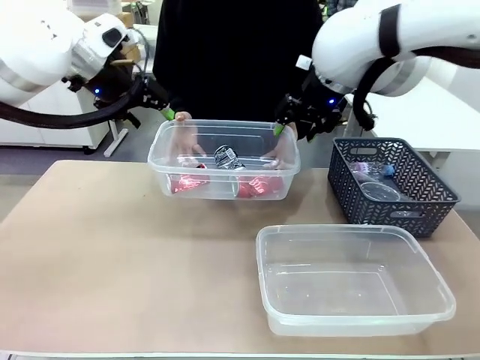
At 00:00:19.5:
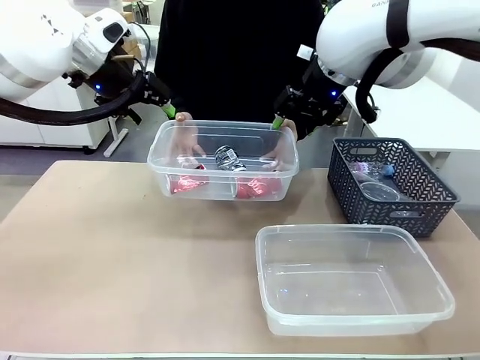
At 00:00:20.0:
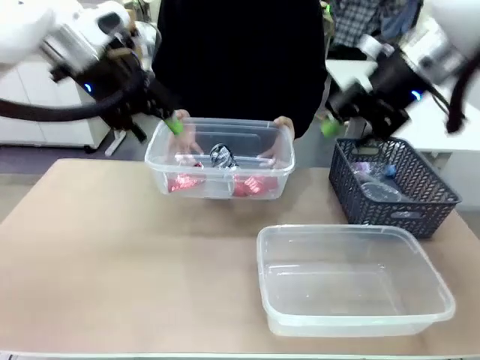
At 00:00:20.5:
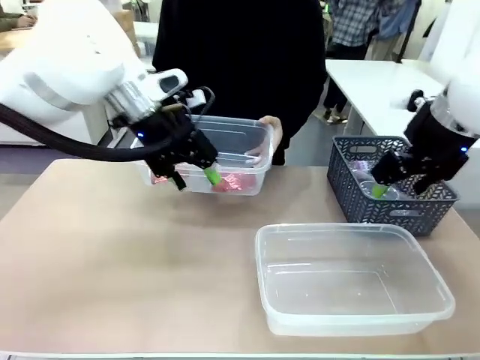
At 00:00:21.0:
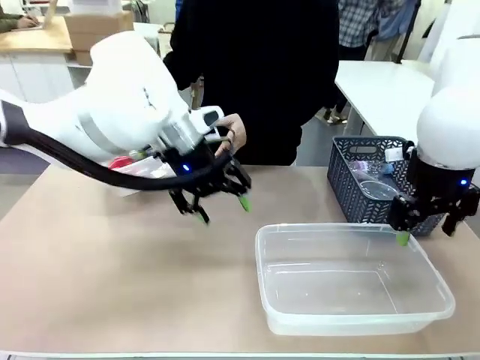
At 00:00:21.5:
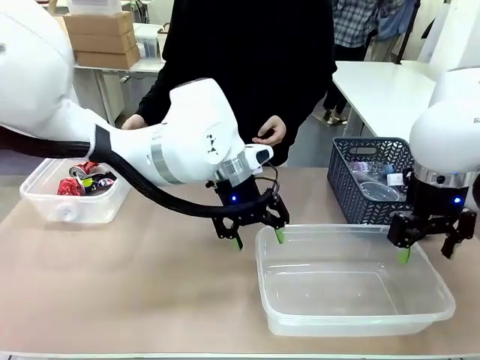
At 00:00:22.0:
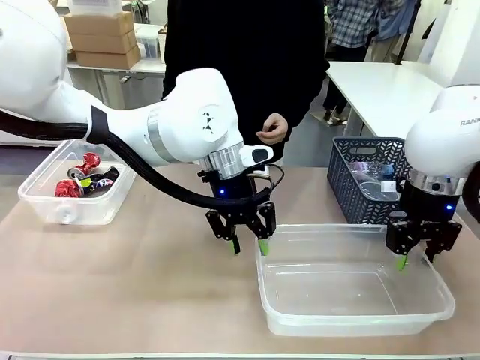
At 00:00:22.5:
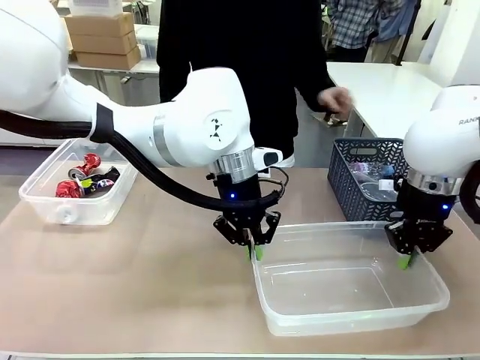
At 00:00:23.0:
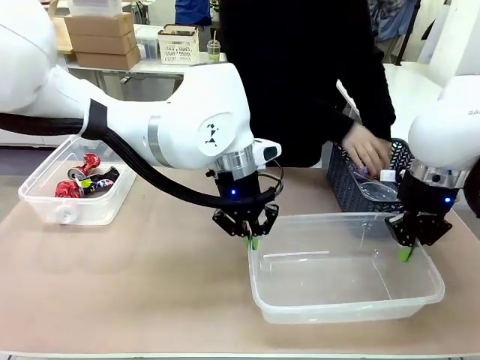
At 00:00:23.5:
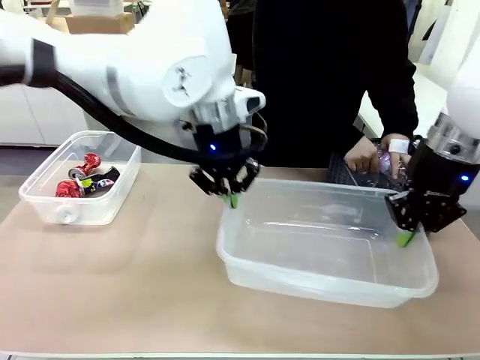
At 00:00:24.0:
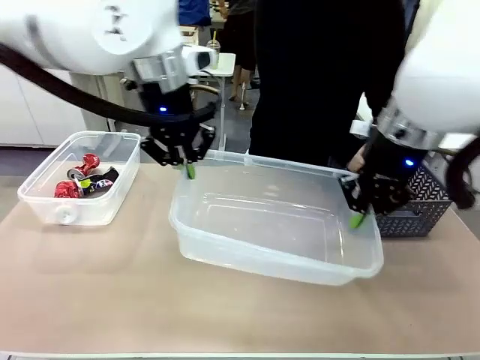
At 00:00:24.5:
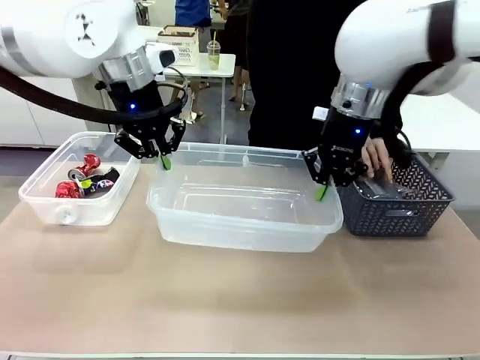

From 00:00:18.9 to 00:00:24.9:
Robot: Pick up the Organizing box on the right side of the table and lift it.
Person: Place it at the edge of the bottom right area of the robot table.

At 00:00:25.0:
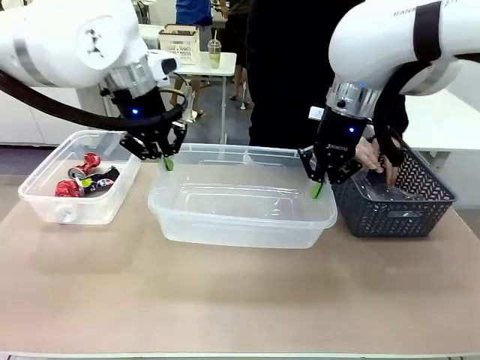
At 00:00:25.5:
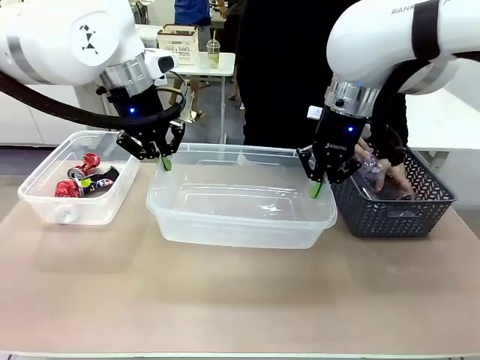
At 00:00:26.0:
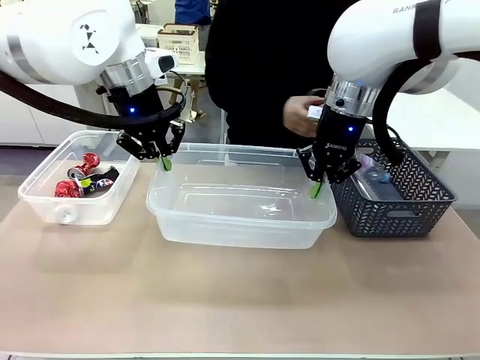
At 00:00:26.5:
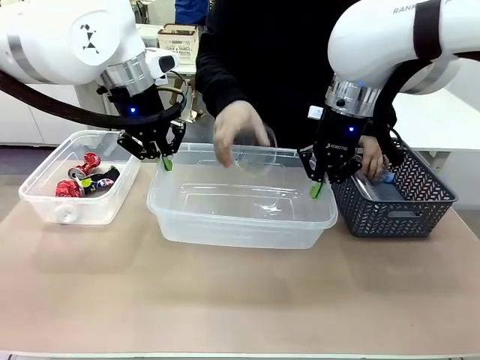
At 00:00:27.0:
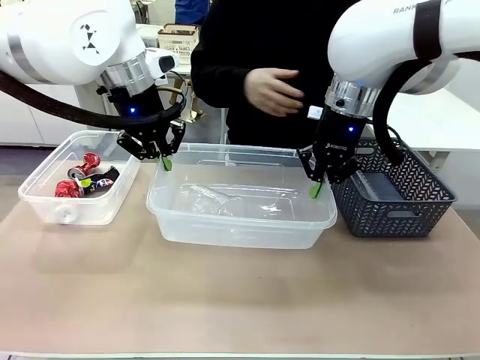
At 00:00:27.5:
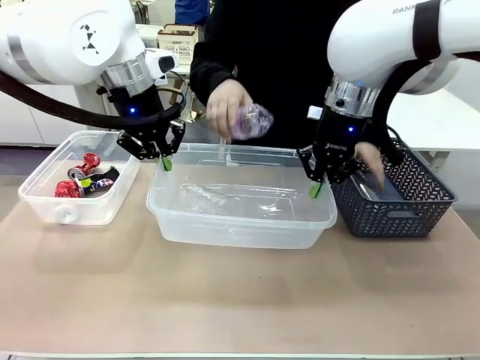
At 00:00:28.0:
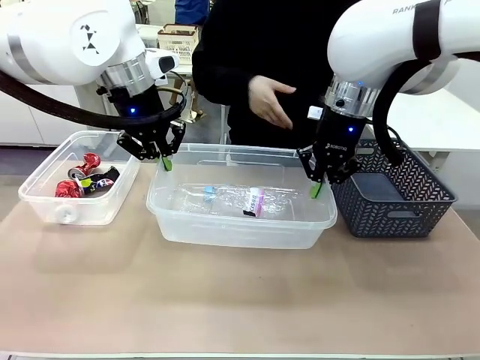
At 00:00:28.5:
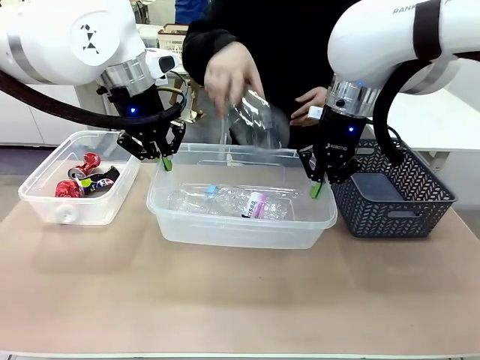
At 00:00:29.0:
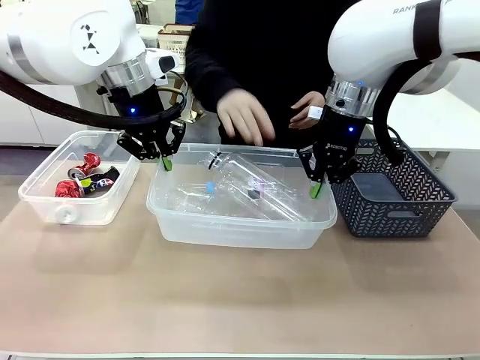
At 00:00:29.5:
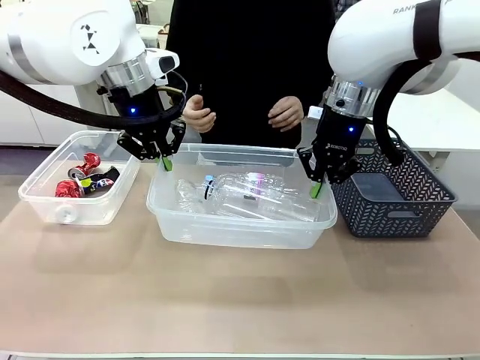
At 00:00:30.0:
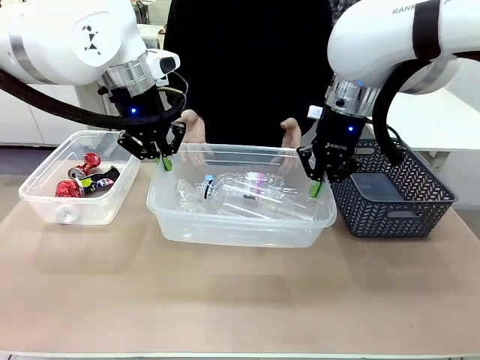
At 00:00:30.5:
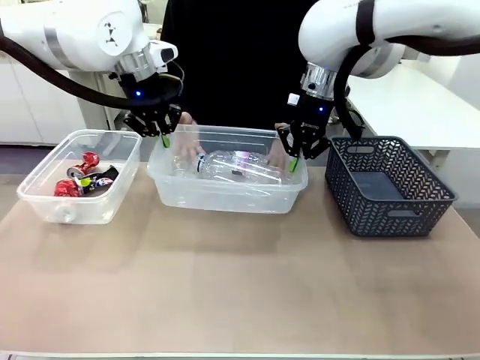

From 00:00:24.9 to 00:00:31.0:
Robot: Offer the picked Organizing box to the human.
Person: Pick up plastic waste one by one and place it into the organizing box lifted by the robot.

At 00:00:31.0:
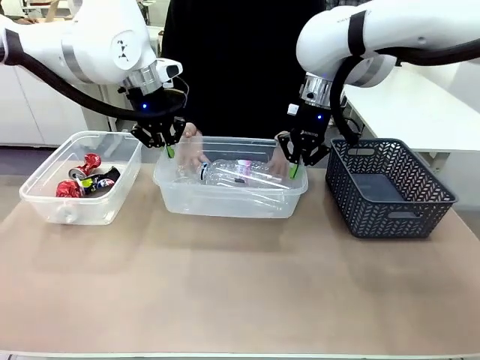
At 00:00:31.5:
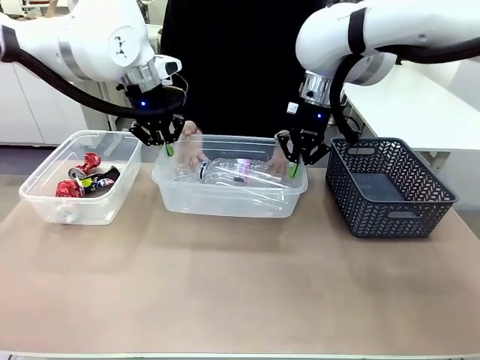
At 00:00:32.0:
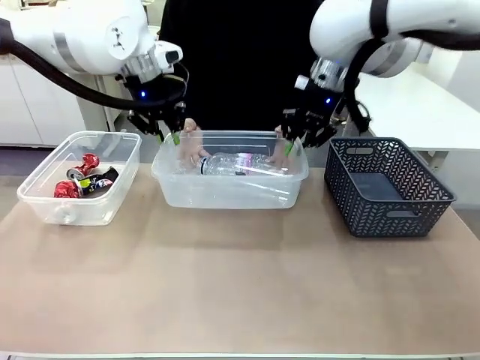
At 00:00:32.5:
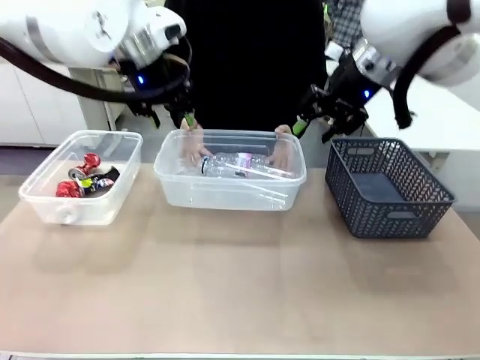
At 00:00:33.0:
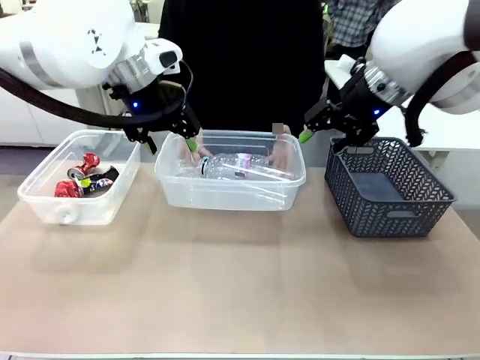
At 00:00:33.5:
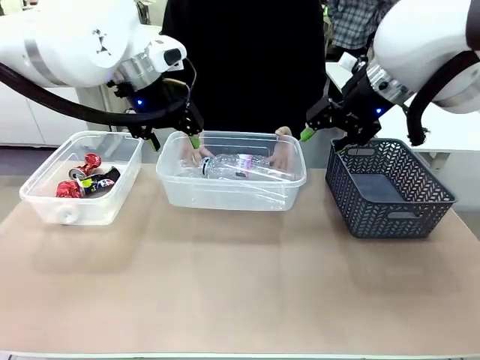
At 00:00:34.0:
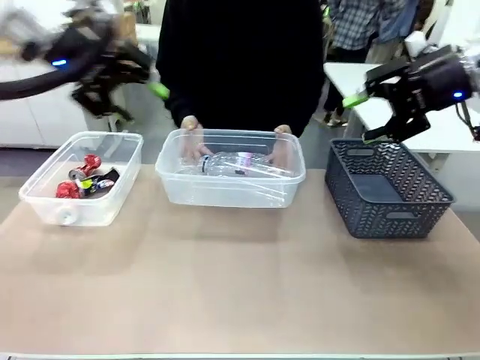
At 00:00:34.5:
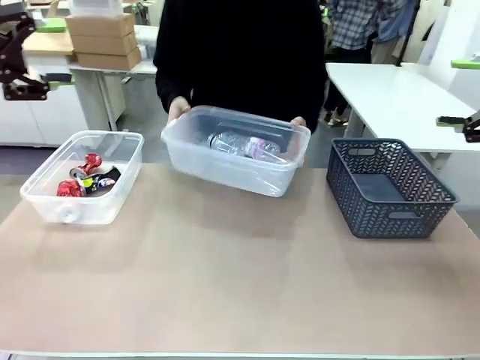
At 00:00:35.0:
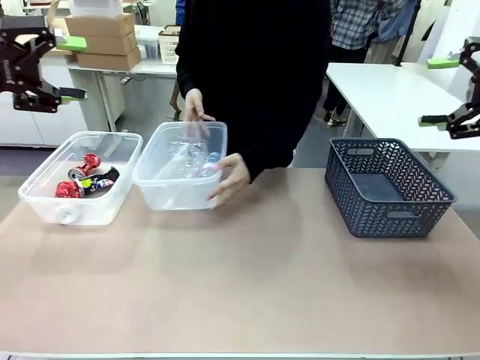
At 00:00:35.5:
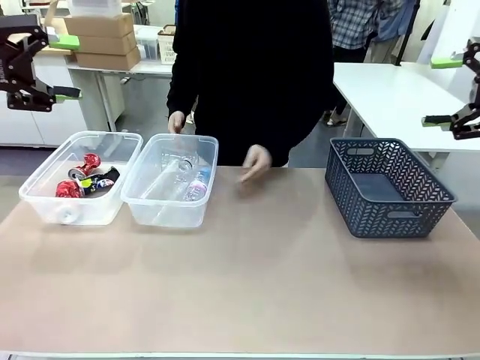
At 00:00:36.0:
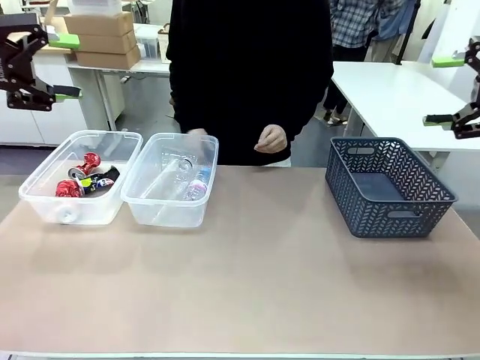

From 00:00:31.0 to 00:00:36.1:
Robot: Release the Organizing box you were holding.
Person: Pick up the organizing box extended by the robot. Place the organizing box to the left of the sorting box containing the can waste.

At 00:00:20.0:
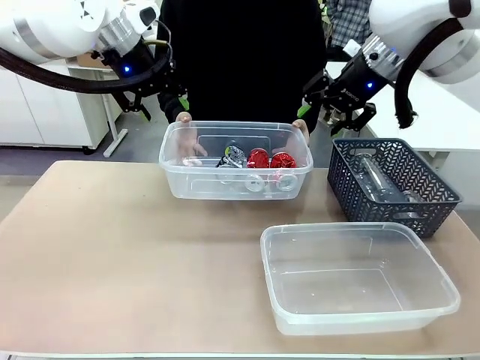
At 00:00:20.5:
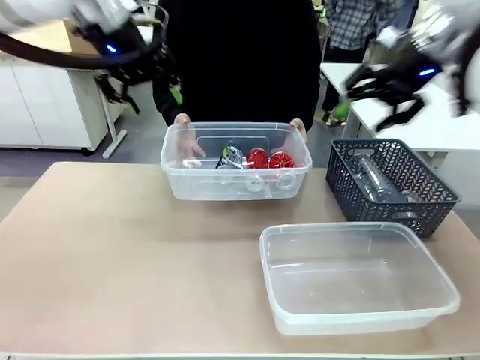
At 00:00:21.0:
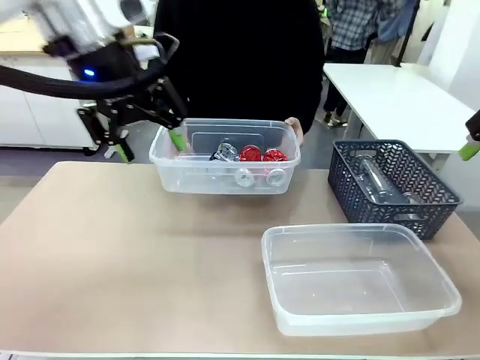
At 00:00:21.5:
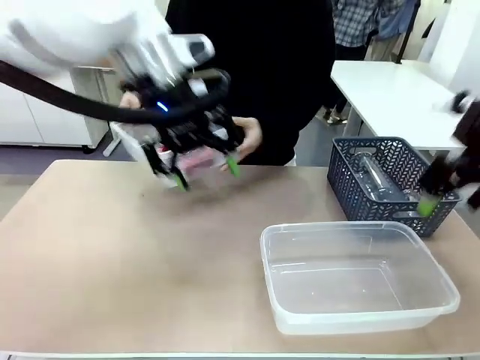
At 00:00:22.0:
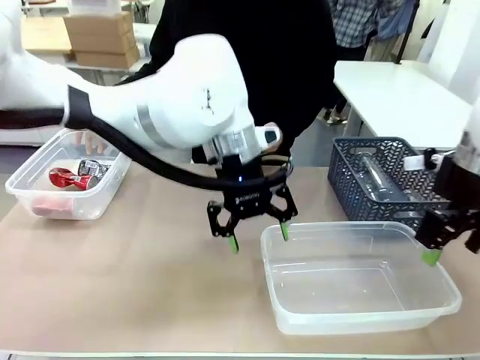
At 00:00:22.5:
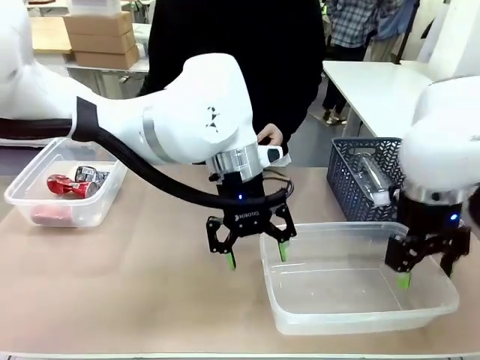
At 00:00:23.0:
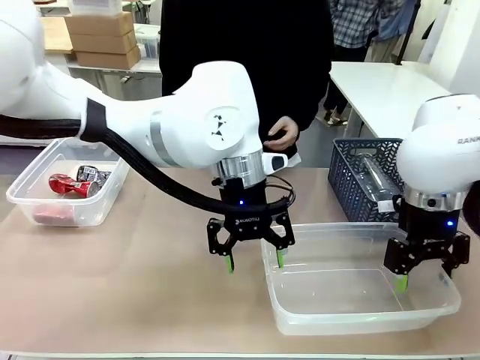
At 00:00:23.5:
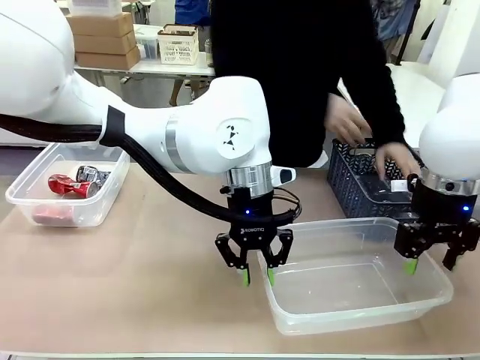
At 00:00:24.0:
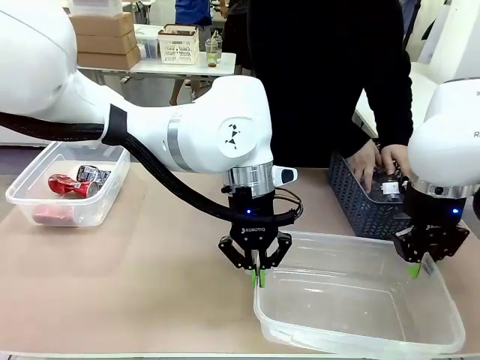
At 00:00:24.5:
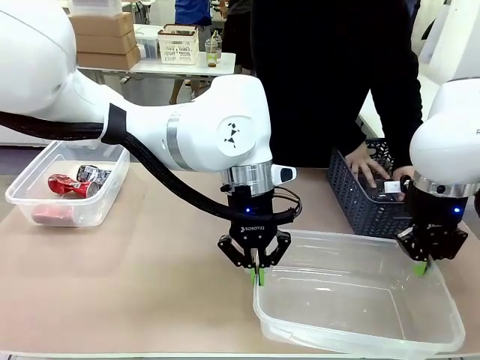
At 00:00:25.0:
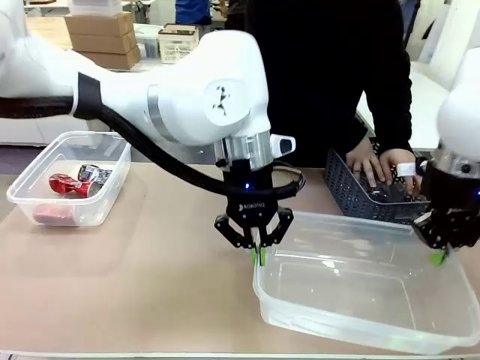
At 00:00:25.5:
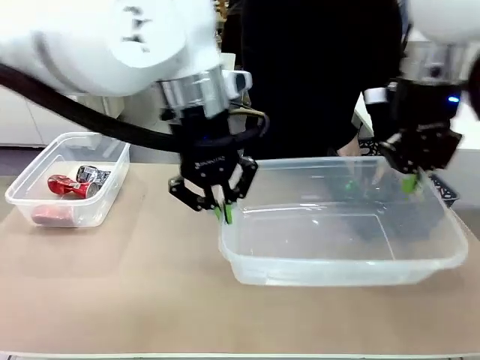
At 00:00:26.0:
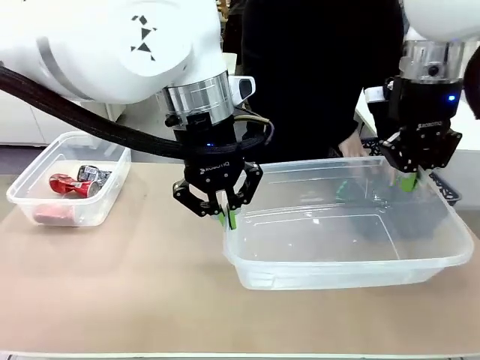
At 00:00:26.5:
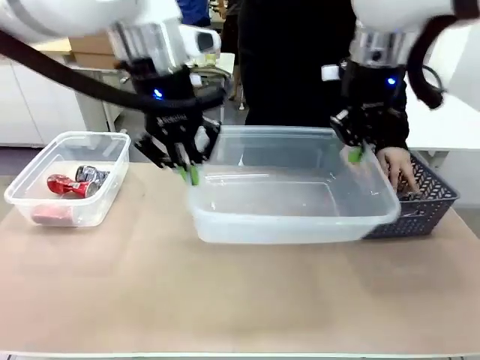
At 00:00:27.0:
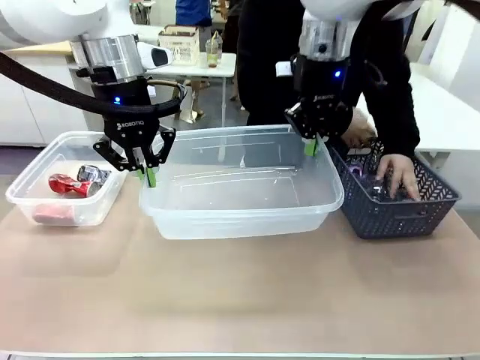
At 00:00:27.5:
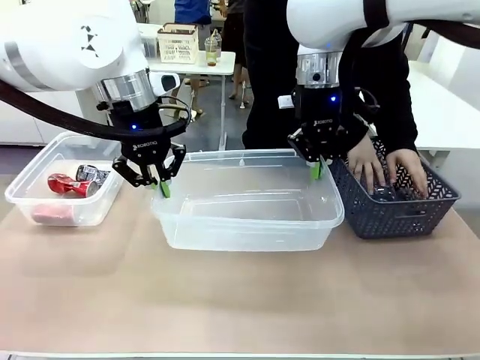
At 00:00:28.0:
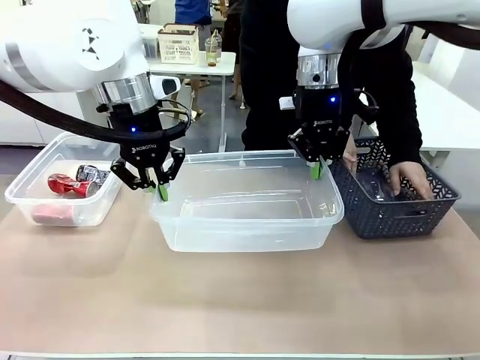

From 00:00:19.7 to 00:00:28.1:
Robot: Pick up the Organizing box on the right side of the table and lift it.
Person: Place it at the edge of the bottom right area of the robot table.
